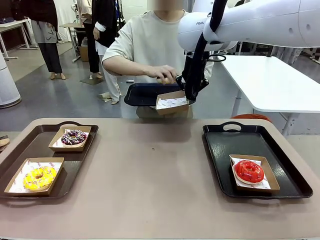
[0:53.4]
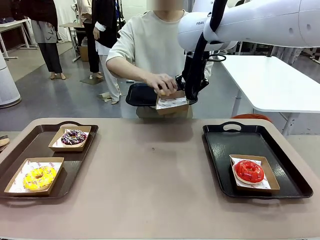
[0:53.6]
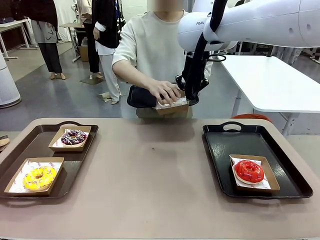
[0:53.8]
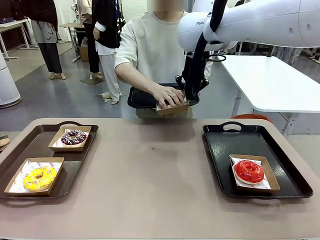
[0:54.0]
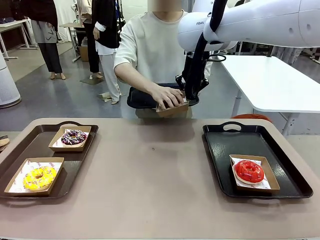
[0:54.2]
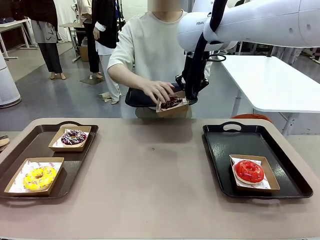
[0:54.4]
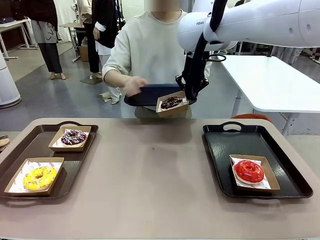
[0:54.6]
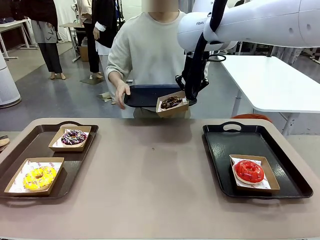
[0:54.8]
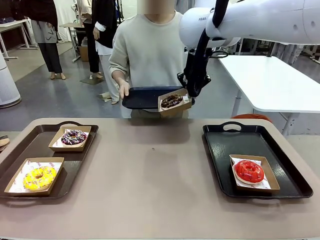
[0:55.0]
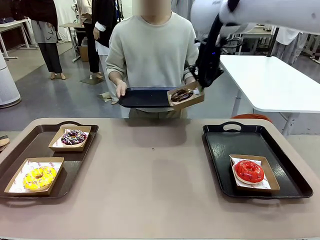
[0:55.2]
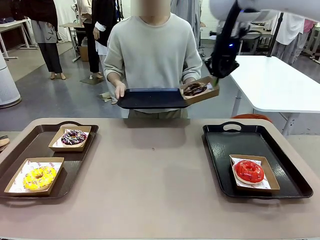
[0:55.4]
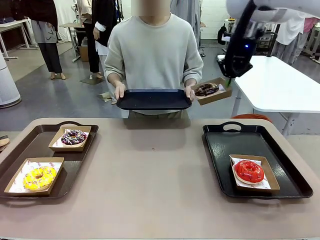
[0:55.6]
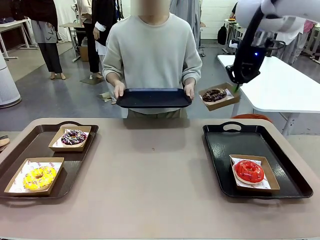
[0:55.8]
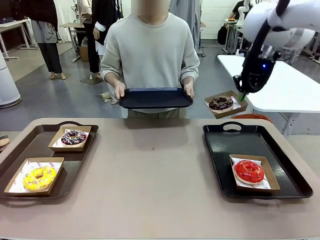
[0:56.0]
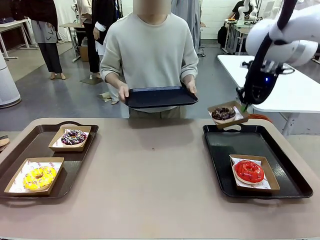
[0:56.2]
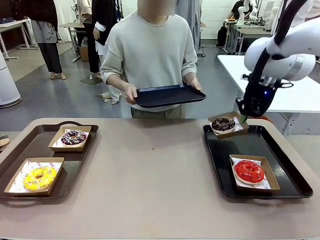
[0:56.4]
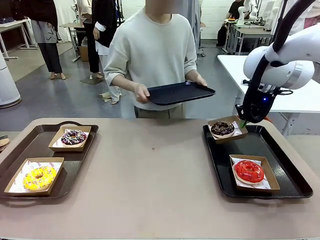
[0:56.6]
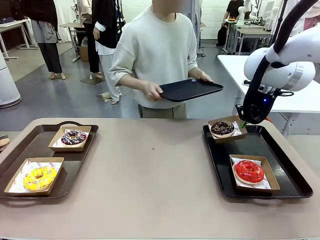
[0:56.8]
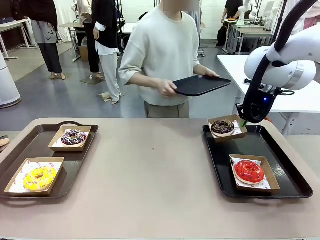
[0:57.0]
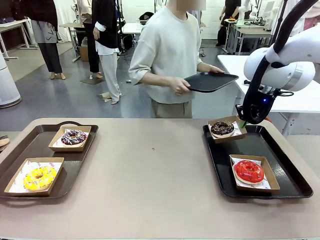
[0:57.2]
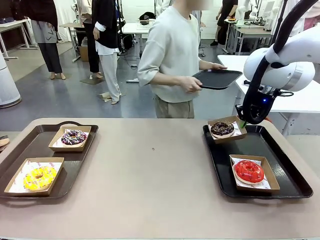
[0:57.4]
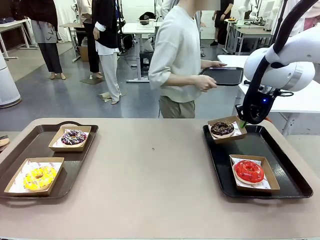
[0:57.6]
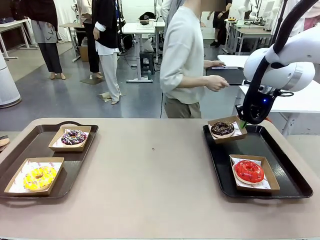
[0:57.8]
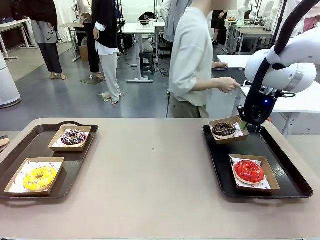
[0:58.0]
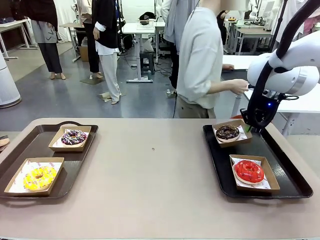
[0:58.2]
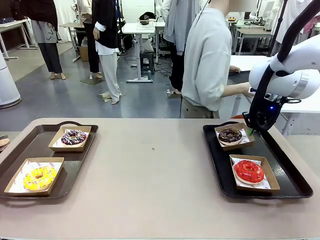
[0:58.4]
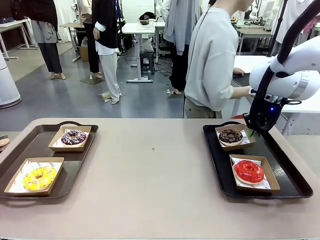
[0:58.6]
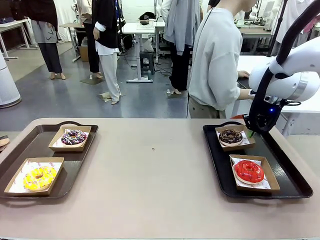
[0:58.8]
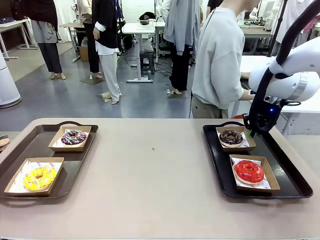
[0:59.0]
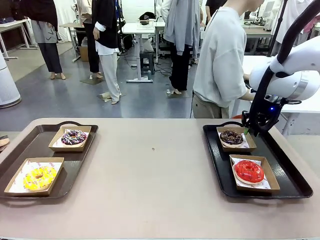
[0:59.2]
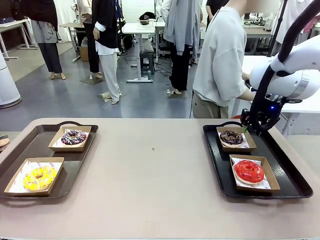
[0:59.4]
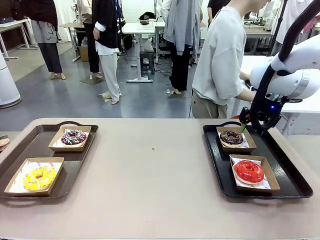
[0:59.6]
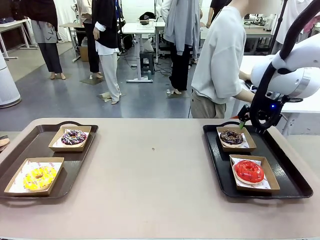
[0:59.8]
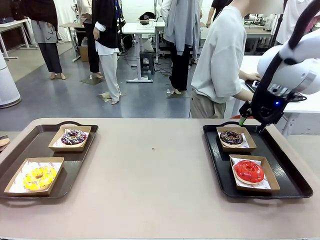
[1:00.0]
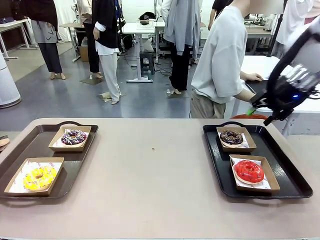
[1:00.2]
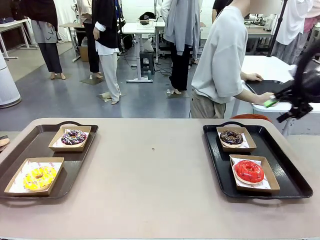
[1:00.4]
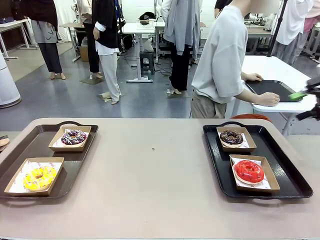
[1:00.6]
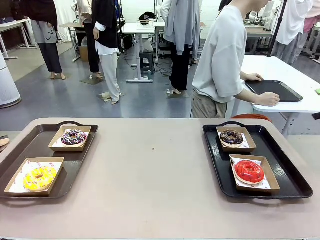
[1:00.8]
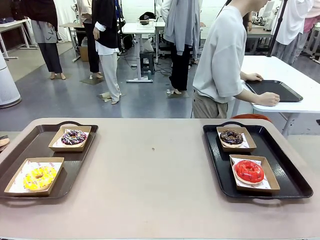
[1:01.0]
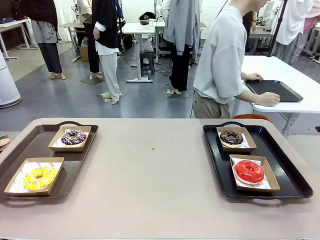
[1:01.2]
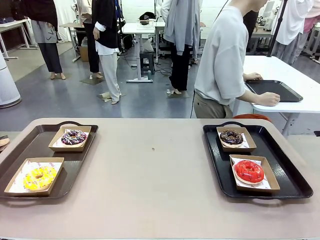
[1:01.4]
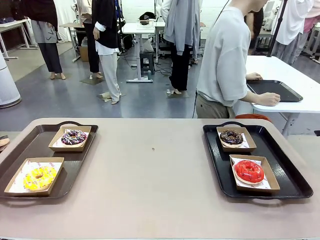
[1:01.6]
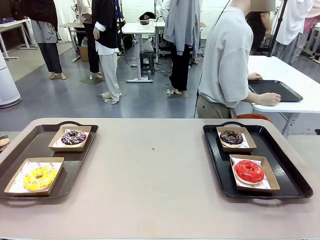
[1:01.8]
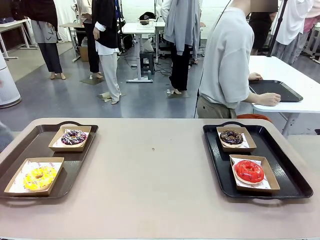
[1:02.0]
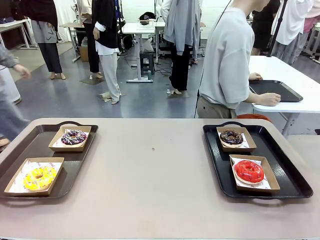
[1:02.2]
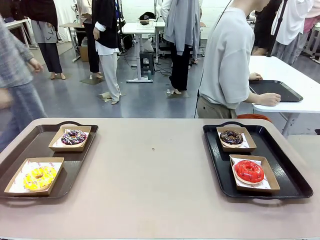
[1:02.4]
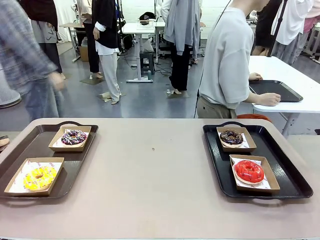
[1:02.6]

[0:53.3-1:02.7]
Task: Individually package the donuts and arrange them on the tray.
Robot: Place the picked Paper togo box on the Handle tray.
Person: Place the tray down in the middle of the human table.

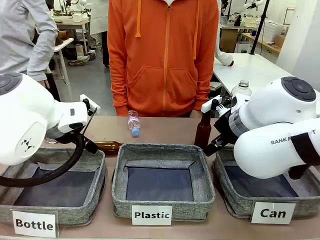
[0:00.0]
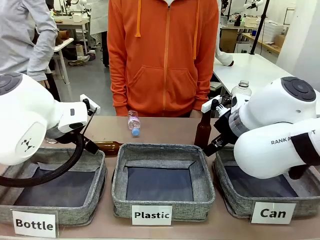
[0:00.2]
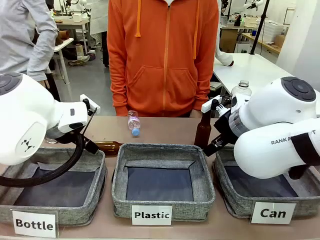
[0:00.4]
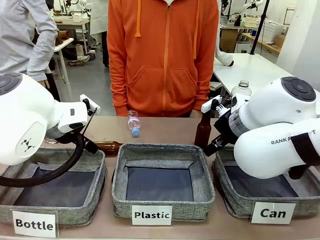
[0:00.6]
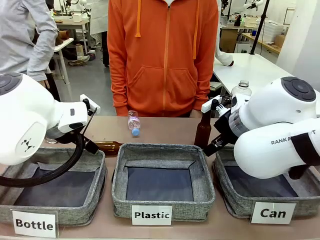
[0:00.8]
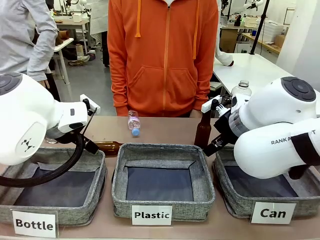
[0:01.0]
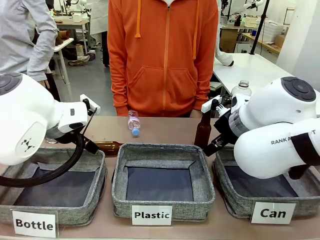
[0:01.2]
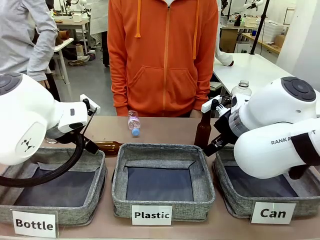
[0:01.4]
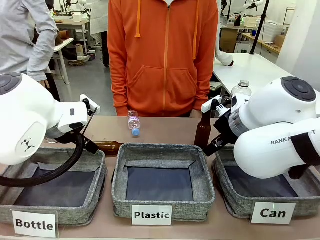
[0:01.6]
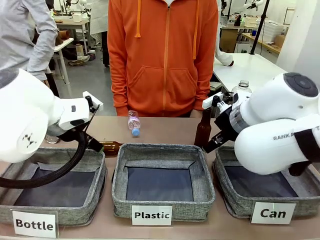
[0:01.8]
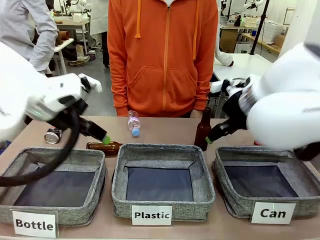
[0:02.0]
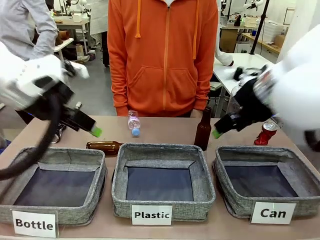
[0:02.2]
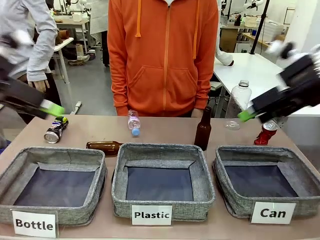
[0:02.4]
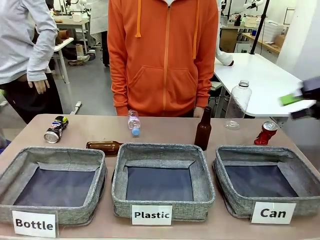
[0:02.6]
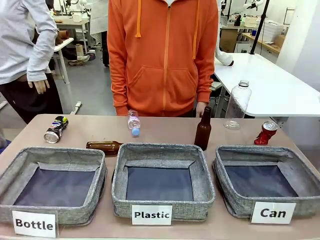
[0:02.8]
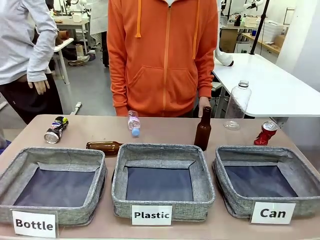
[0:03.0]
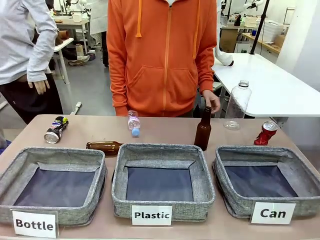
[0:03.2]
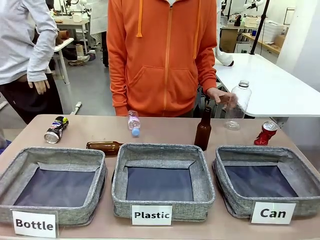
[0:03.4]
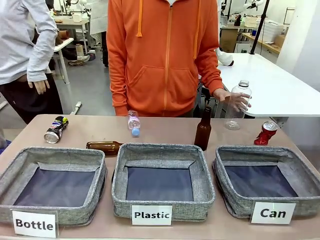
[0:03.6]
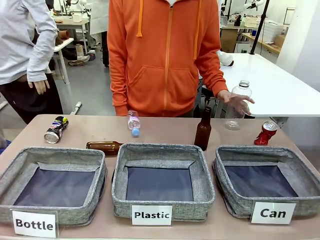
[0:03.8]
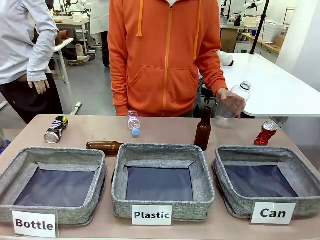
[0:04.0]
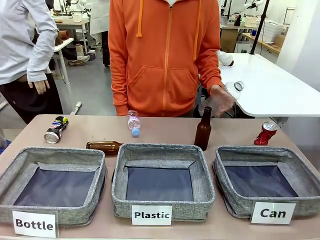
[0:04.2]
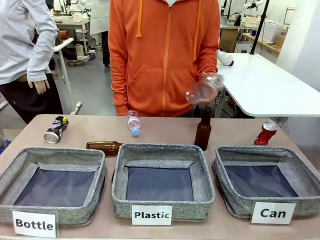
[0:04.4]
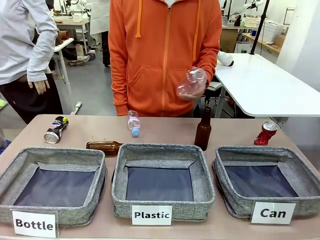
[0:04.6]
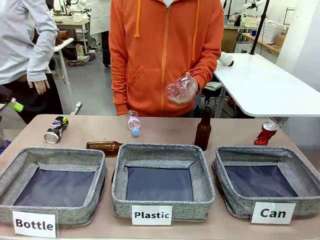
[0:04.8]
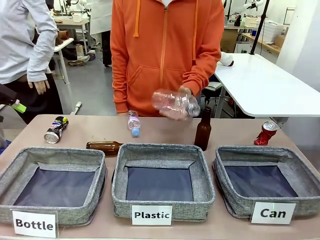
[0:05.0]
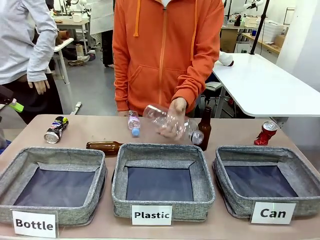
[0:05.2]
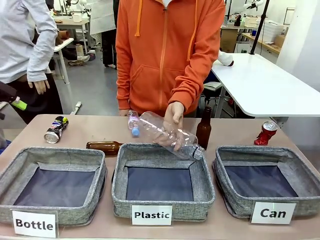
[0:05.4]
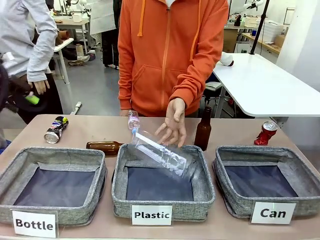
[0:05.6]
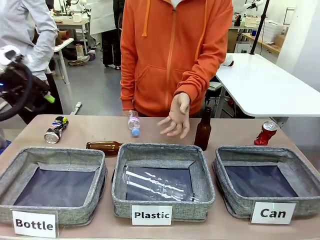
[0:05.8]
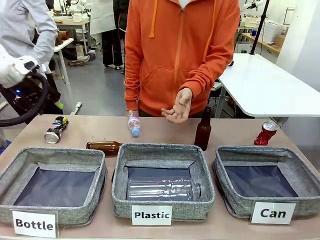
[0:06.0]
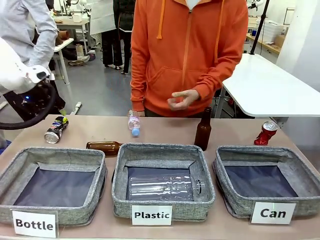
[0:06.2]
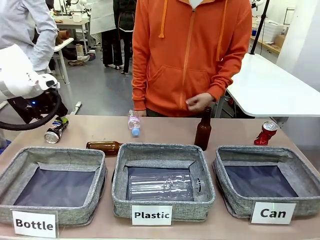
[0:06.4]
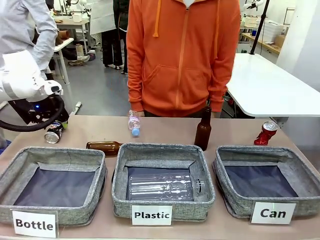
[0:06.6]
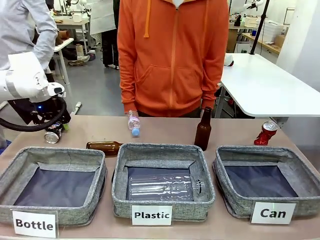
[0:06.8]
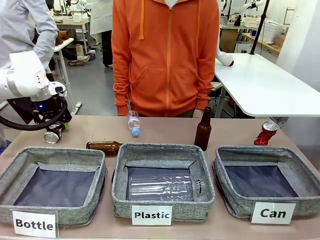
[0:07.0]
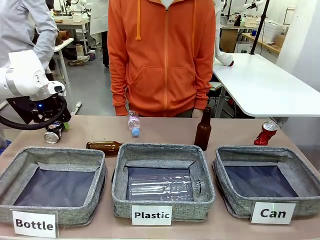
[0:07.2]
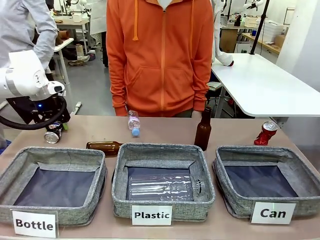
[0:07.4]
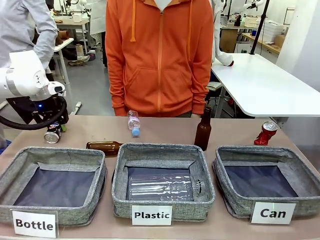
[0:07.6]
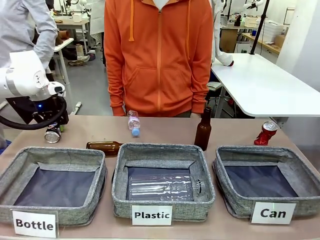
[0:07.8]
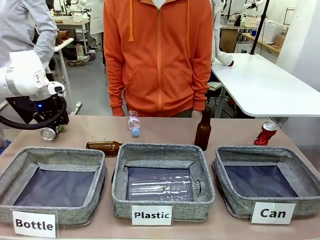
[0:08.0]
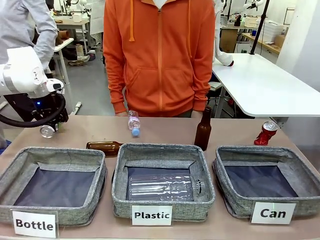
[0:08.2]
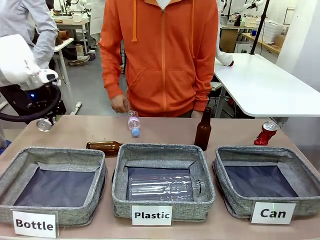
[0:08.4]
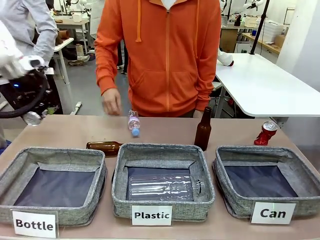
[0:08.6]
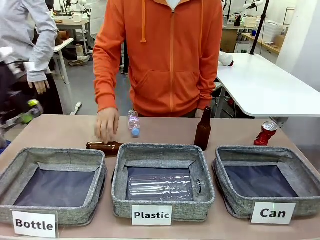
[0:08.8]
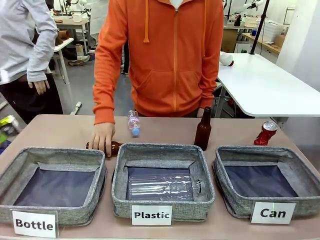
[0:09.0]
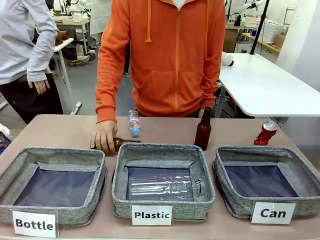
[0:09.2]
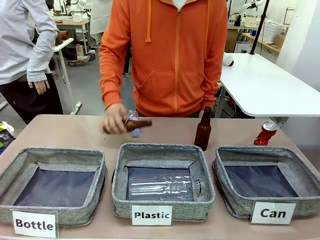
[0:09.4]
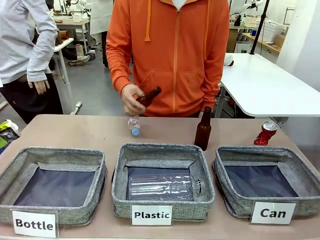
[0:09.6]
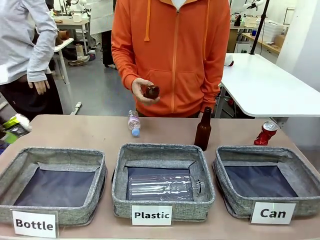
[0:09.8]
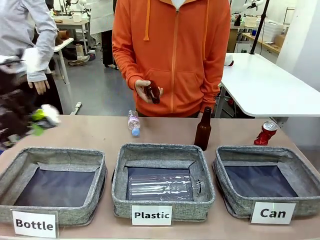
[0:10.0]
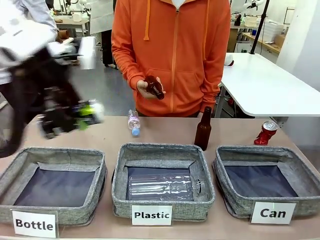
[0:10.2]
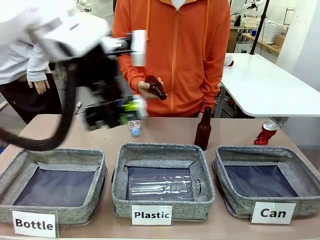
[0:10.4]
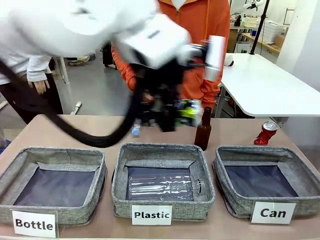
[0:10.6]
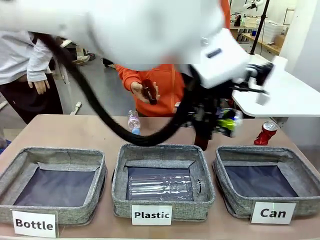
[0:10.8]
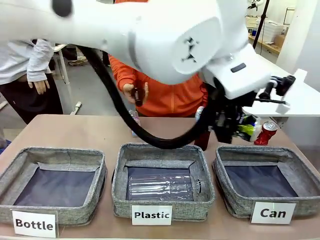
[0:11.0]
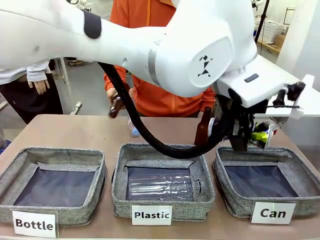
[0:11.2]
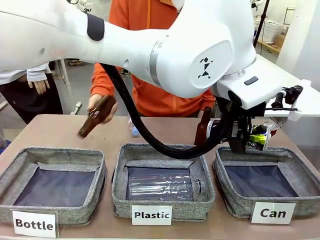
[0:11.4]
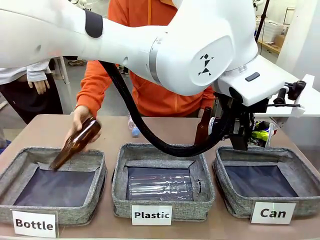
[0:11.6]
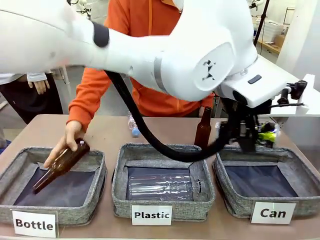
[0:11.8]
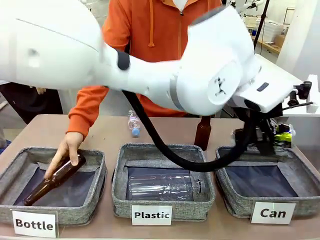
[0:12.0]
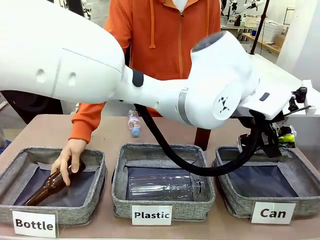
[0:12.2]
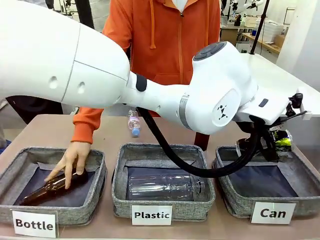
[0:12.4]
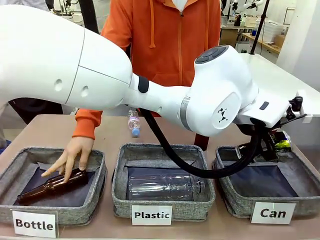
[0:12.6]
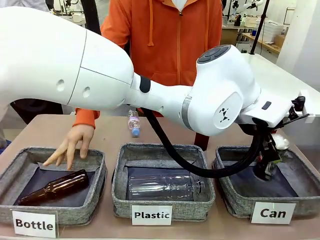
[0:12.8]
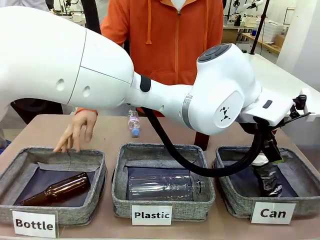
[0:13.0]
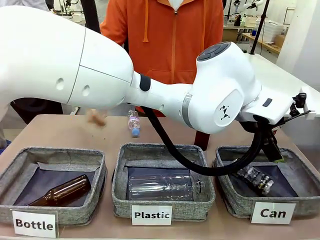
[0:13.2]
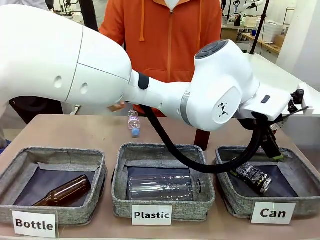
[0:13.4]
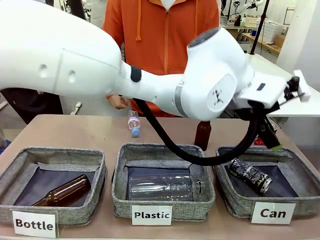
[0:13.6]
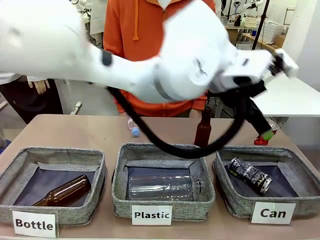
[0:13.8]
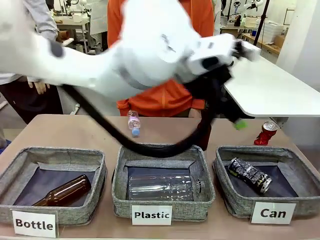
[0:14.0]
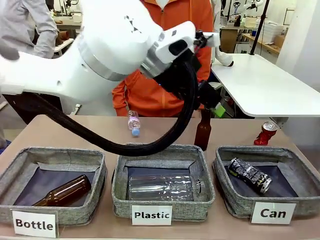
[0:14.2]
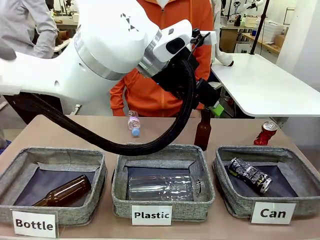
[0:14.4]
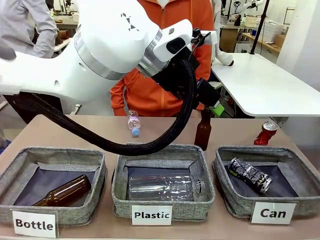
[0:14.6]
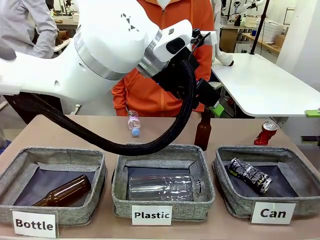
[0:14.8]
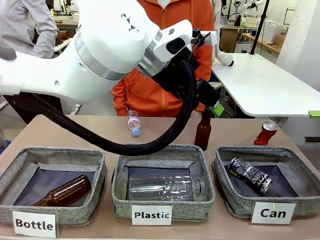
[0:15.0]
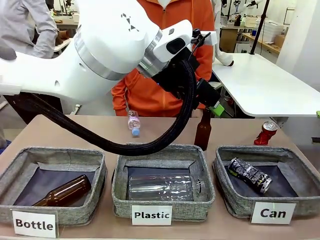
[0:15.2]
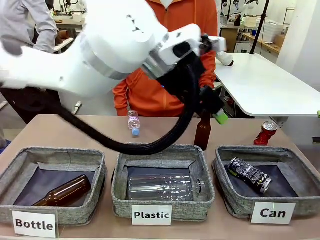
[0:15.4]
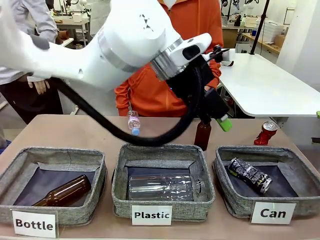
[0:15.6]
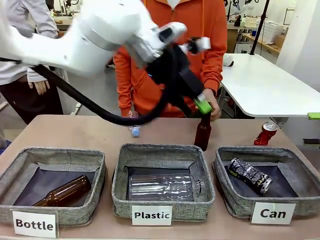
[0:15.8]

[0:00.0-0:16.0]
Task: Sort the can waste into the basket.
Robot: Pick up the can waste from the table and place it in the right Fabric basket.
